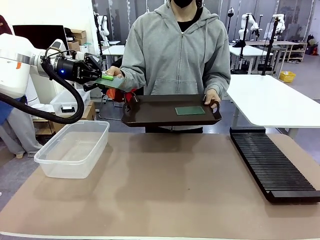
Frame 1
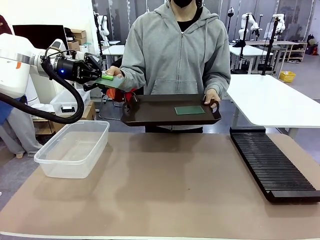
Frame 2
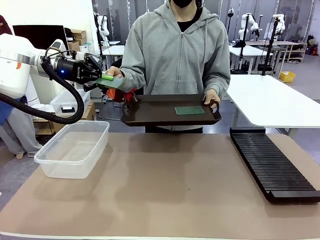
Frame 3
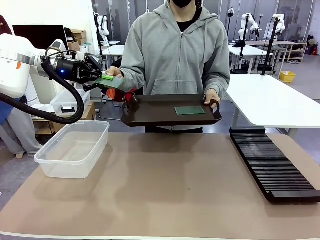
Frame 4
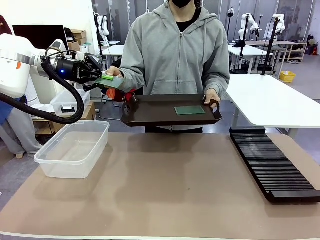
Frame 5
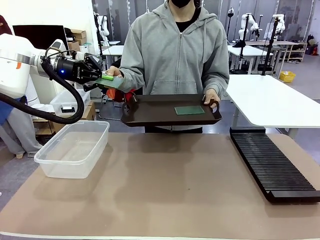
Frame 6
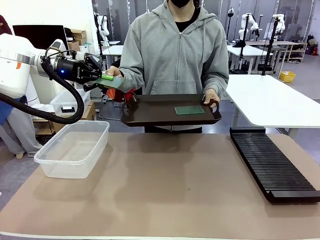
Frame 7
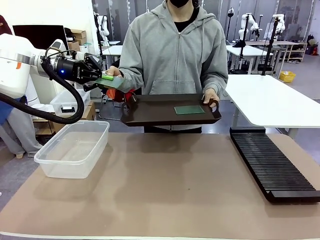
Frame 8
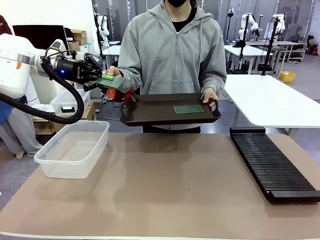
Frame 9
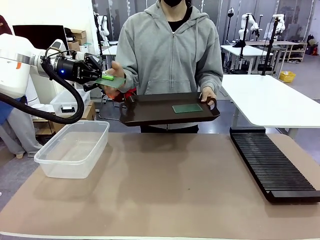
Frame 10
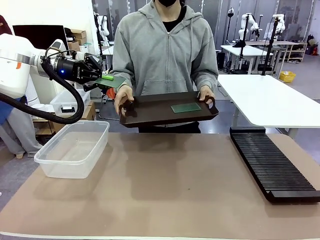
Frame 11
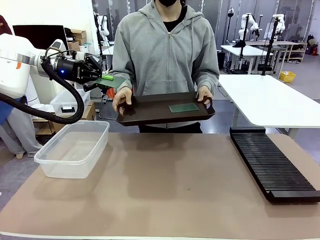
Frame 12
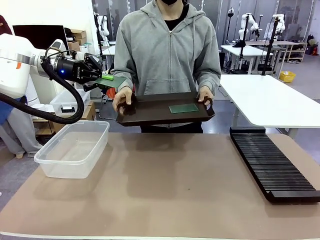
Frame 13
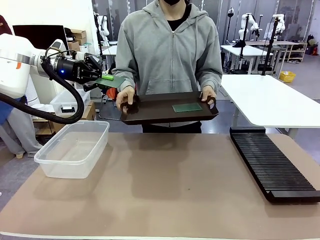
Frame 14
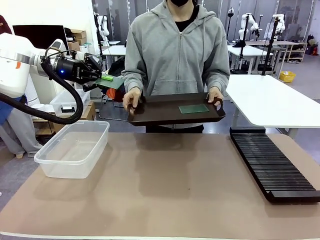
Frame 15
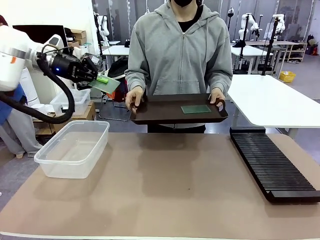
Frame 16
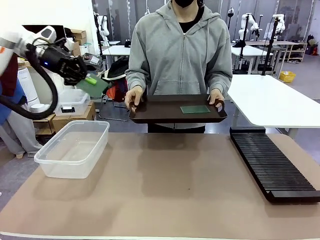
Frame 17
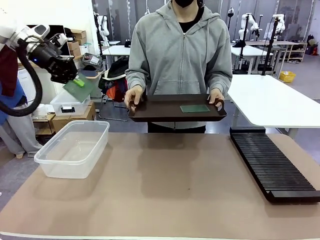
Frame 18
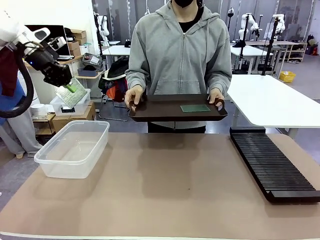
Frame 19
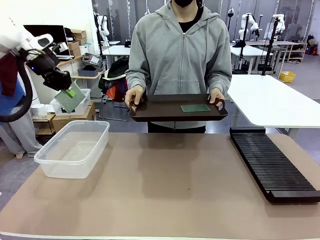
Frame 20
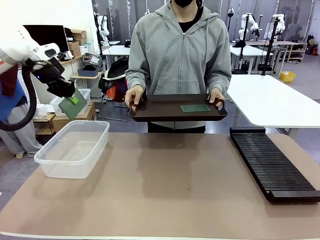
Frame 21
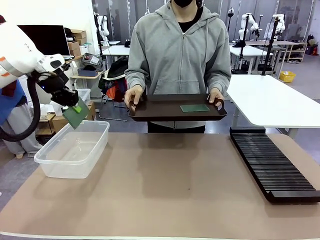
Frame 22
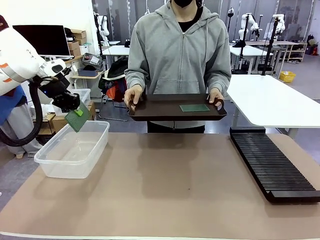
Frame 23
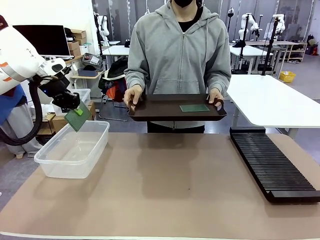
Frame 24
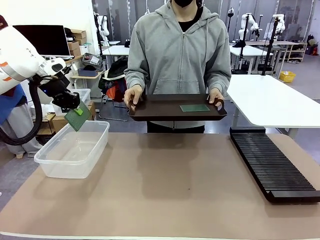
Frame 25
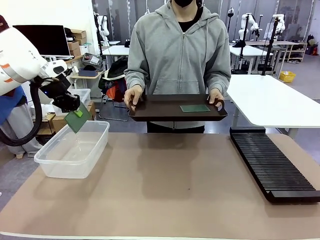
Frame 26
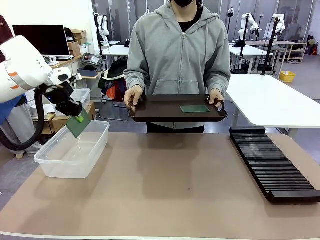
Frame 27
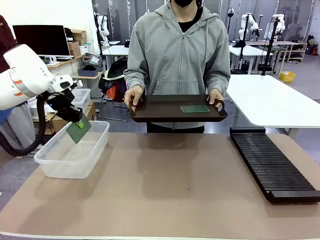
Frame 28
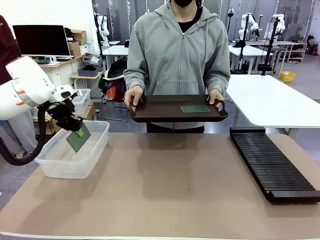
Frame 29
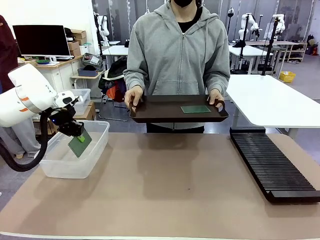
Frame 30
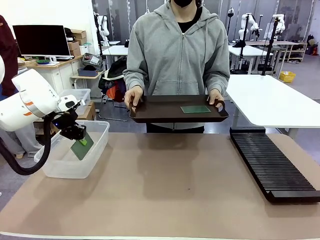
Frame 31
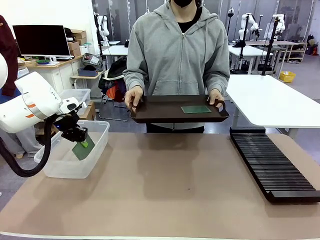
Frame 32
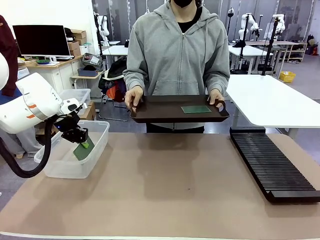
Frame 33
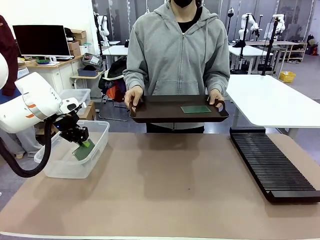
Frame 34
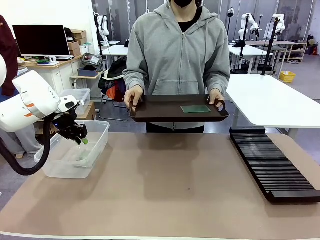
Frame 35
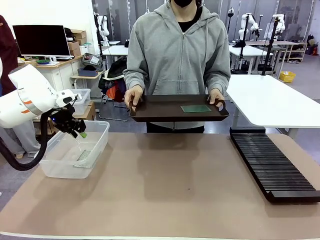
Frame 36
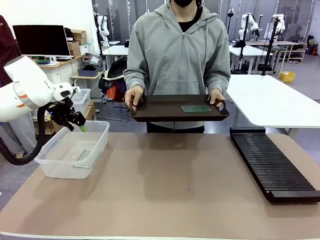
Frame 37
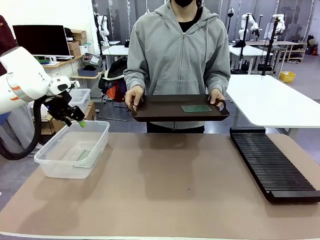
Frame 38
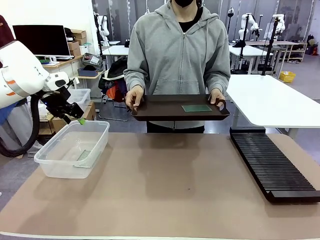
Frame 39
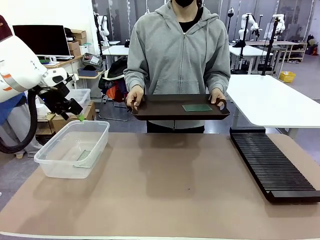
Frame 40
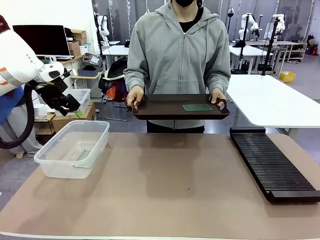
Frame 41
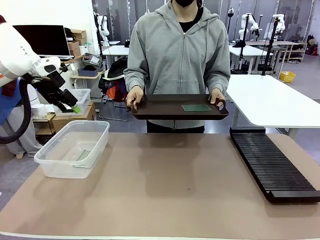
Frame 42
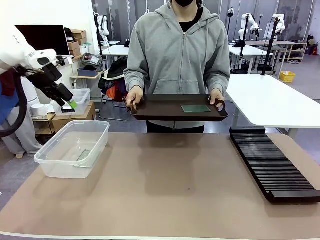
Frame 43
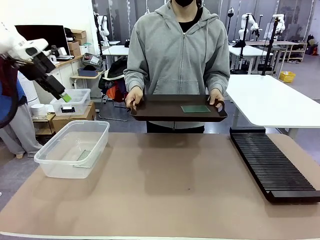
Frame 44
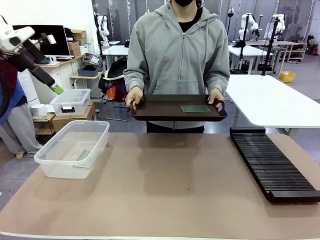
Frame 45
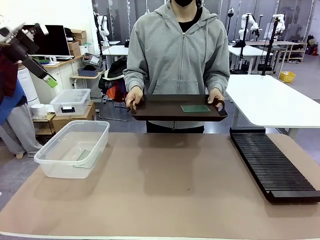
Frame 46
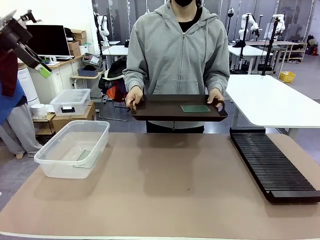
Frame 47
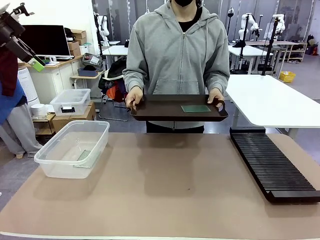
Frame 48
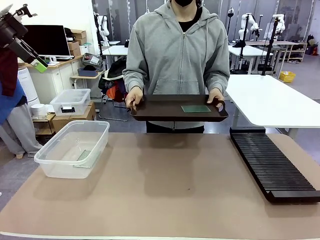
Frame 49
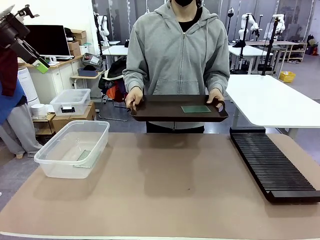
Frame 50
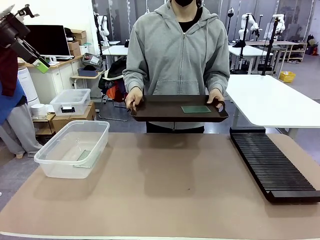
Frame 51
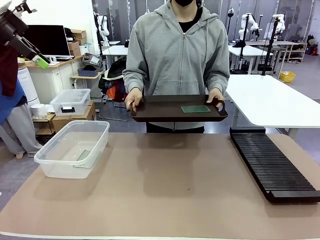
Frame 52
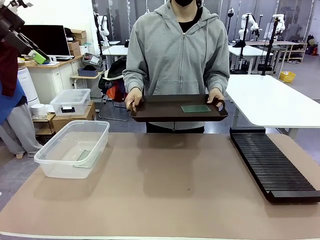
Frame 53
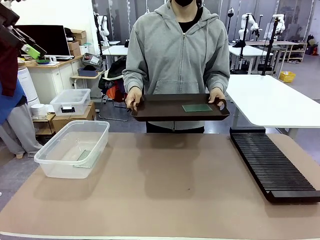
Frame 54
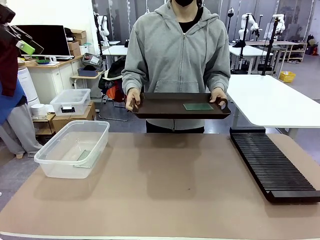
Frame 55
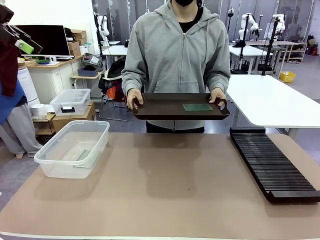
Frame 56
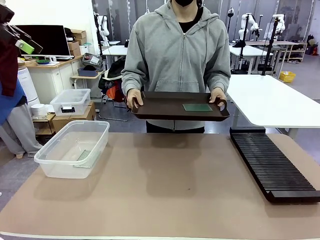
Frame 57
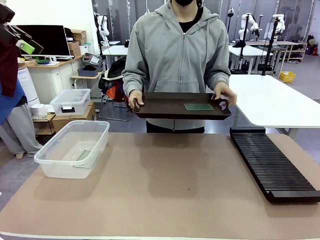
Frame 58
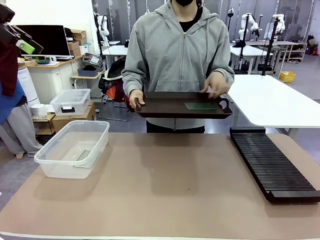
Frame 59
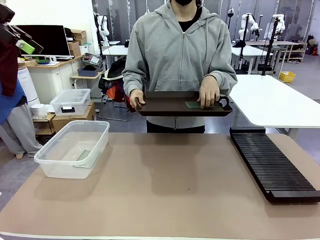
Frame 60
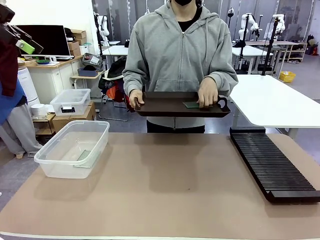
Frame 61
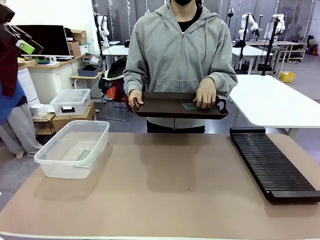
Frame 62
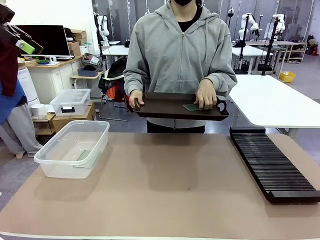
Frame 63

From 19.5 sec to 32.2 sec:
Task: Sort PCBs into racks and boxes based on the side picked up.
Robot: If the short side of the Blank PCB is picked up, insert it into the PCB Rack ; if the long side is picked up, place it in the Organizing box.
Person: Pick one PCB from the tray and present it to the robot.

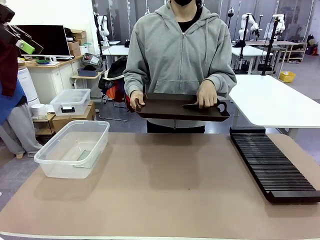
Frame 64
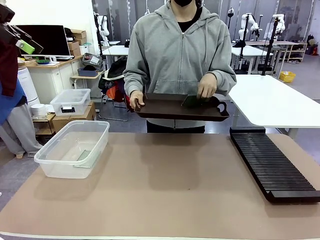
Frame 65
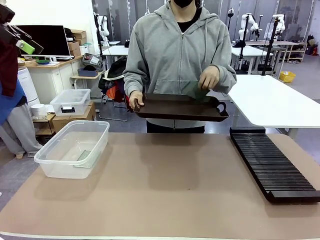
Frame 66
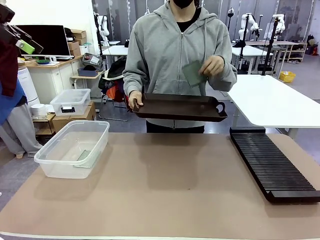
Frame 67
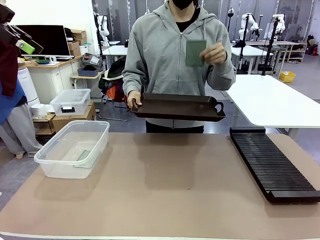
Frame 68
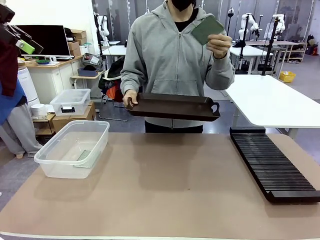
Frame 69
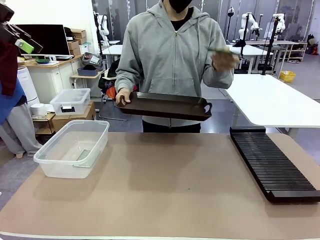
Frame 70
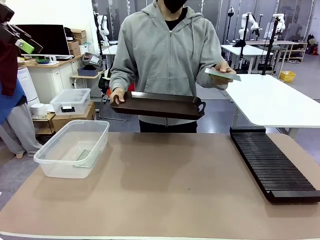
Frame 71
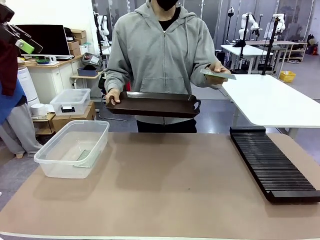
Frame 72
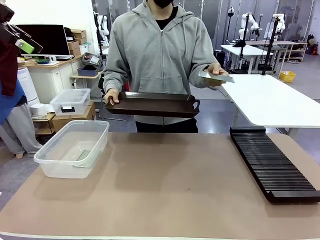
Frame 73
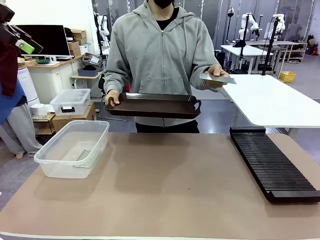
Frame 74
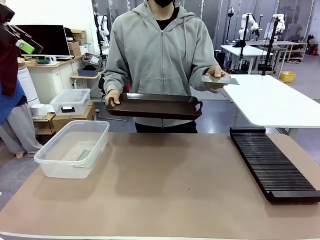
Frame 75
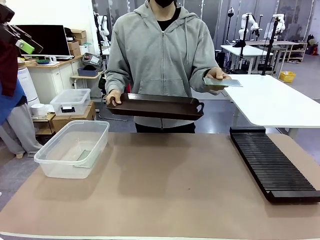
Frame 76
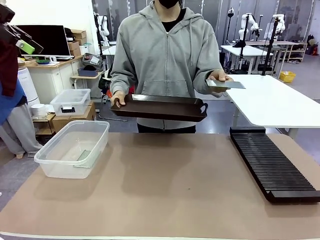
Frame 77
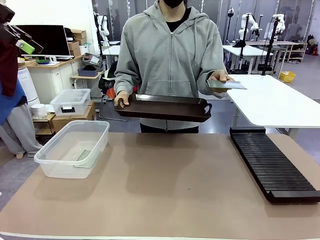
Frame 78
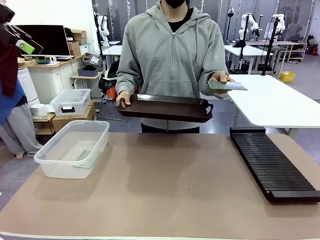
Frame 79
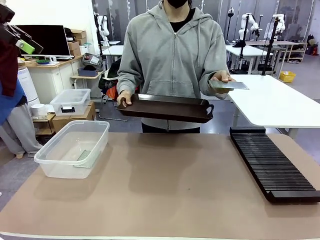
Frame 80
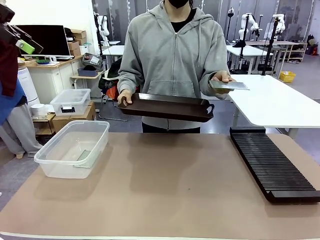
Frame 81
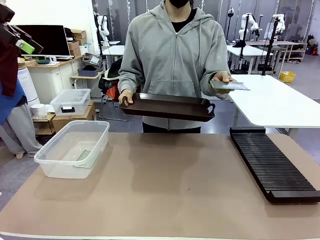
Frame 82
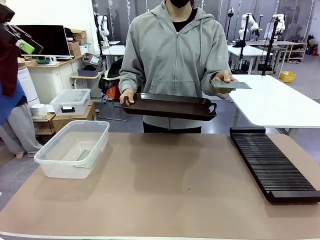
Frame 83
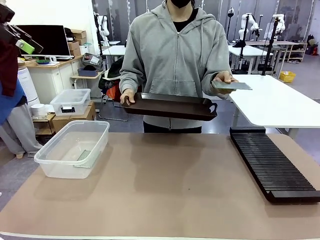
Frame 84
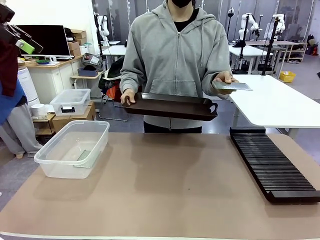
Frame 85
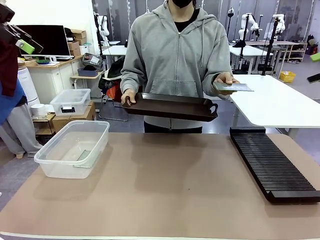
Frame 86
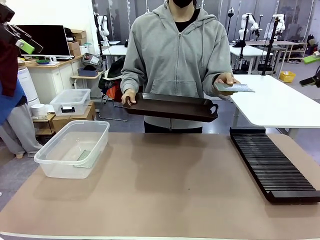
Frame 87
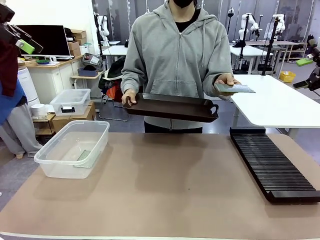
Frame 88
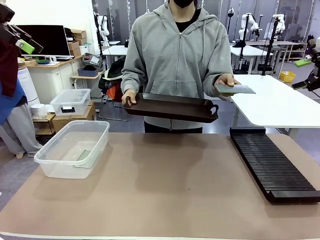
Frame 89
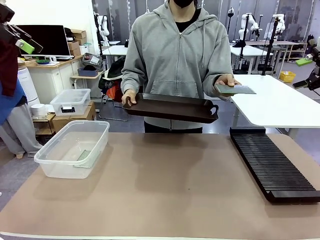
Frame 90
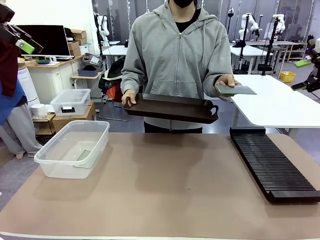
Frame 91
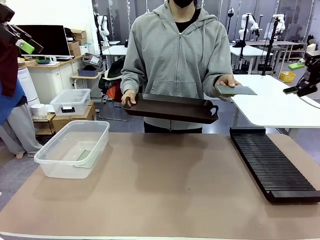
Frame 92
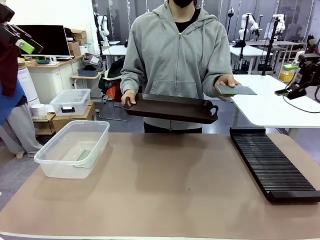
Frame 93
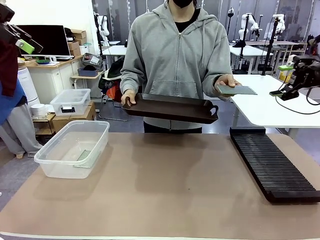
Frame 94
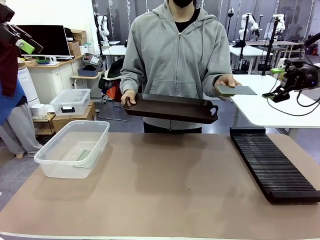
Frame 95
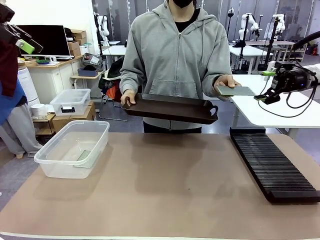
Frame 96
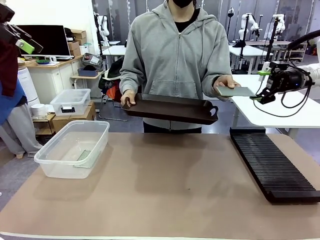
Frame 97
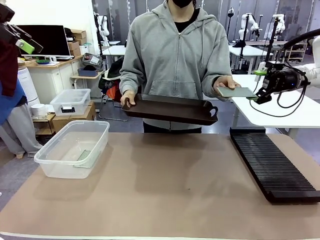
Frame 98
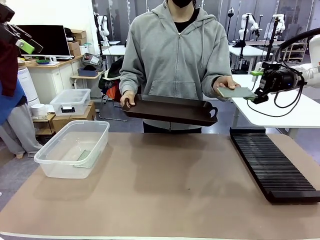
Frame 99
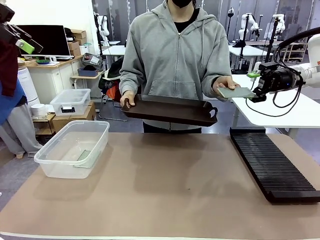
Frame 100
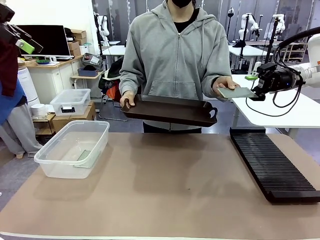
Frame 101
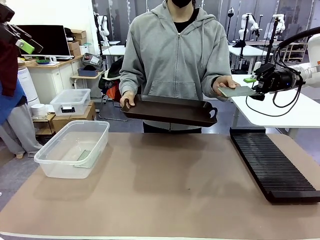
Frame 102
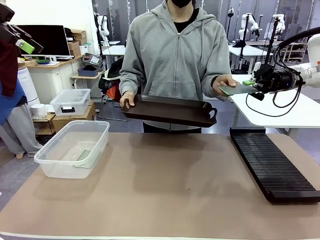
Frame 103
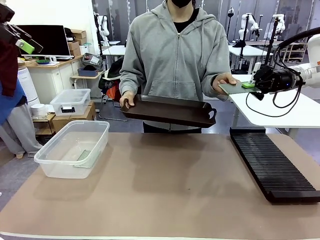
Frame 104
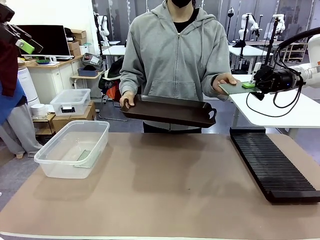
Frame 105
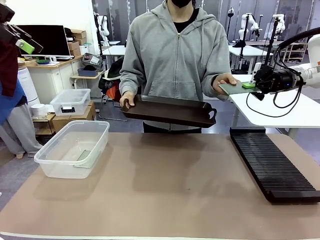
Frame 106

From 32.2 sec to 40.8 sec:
Robot: Pick up the Blank PCB handed by the Human.
